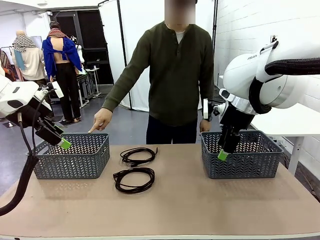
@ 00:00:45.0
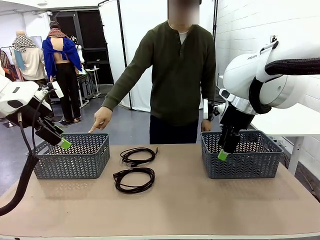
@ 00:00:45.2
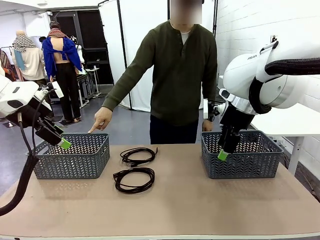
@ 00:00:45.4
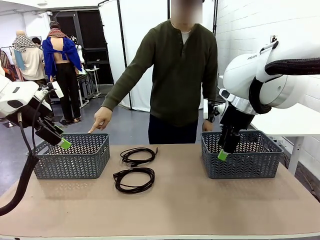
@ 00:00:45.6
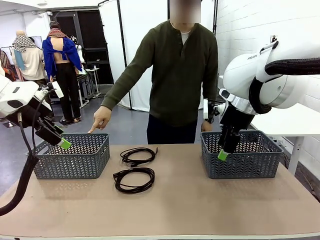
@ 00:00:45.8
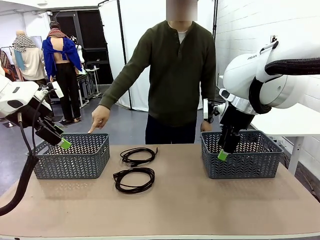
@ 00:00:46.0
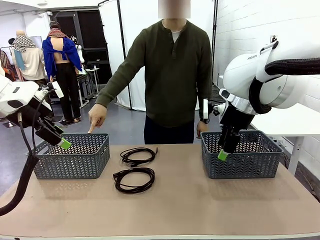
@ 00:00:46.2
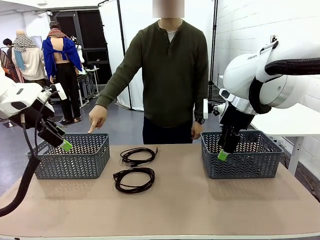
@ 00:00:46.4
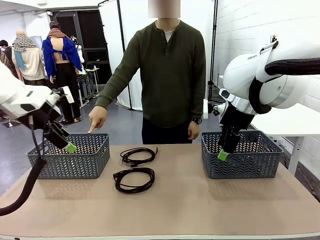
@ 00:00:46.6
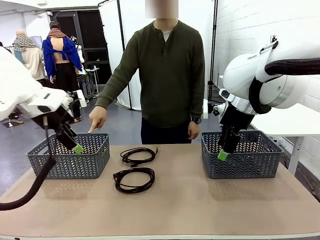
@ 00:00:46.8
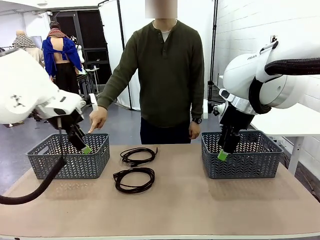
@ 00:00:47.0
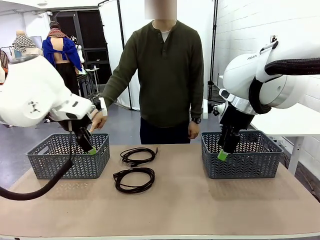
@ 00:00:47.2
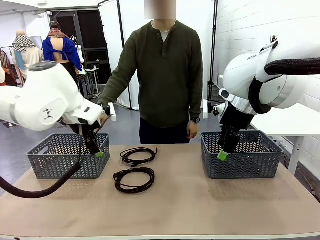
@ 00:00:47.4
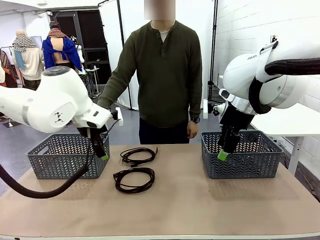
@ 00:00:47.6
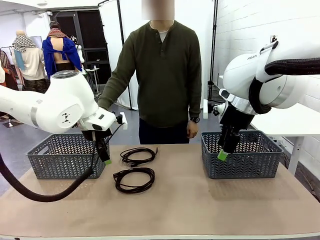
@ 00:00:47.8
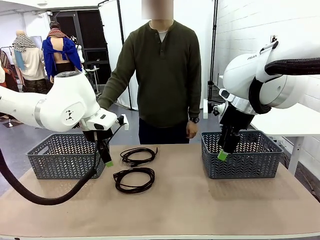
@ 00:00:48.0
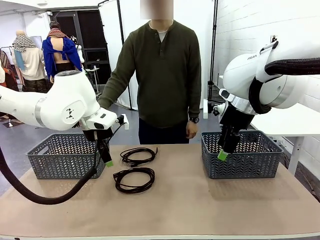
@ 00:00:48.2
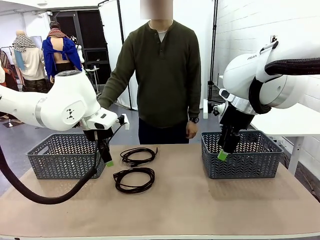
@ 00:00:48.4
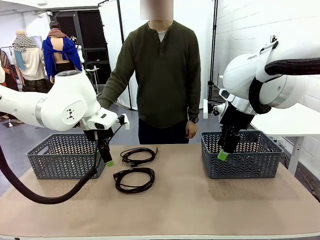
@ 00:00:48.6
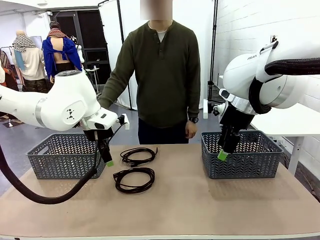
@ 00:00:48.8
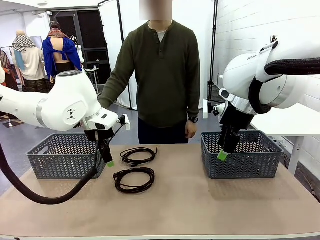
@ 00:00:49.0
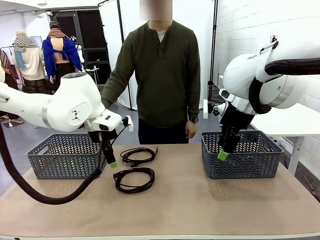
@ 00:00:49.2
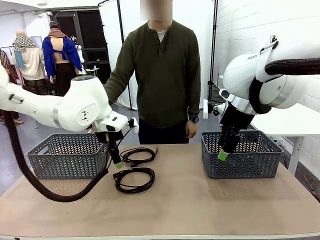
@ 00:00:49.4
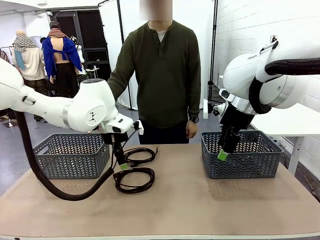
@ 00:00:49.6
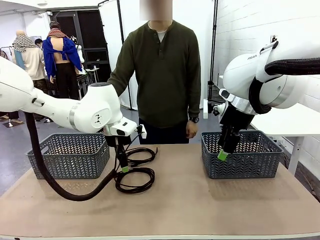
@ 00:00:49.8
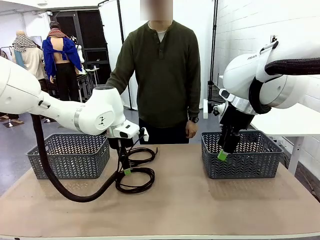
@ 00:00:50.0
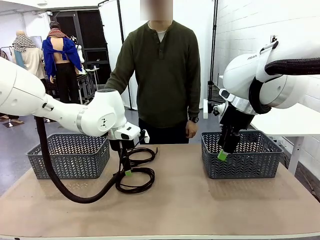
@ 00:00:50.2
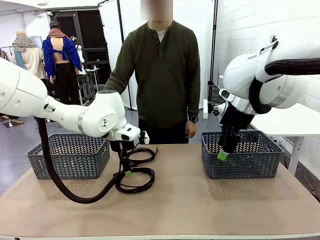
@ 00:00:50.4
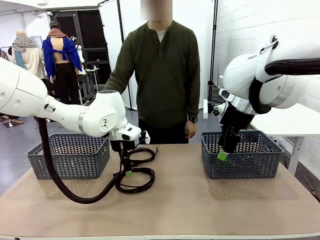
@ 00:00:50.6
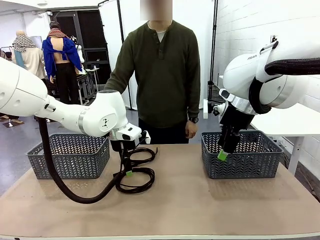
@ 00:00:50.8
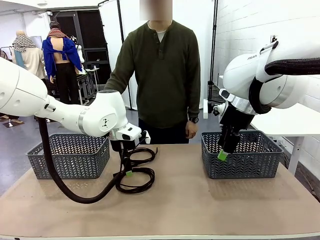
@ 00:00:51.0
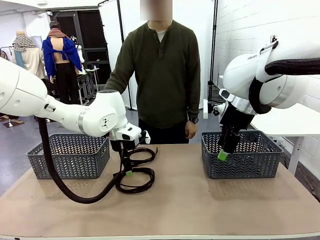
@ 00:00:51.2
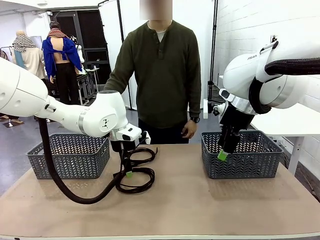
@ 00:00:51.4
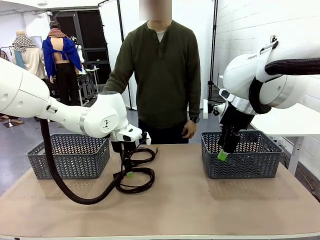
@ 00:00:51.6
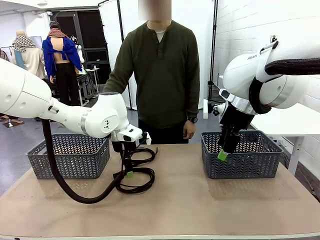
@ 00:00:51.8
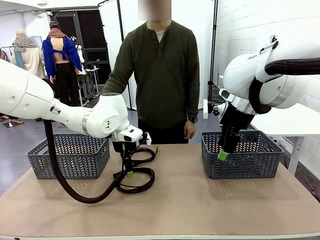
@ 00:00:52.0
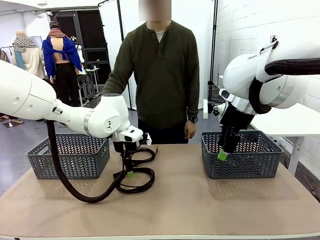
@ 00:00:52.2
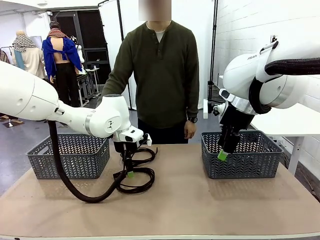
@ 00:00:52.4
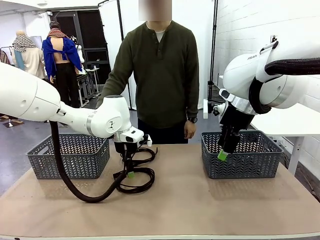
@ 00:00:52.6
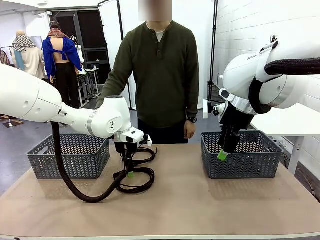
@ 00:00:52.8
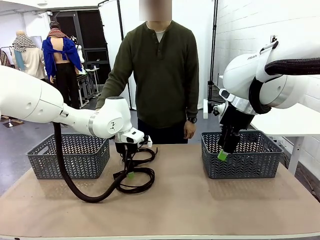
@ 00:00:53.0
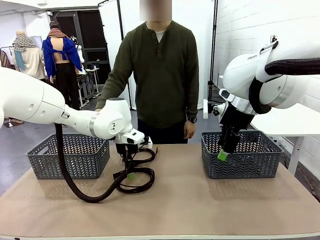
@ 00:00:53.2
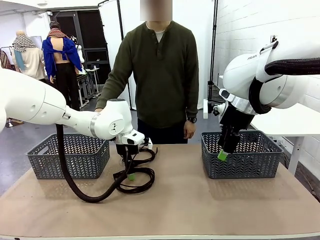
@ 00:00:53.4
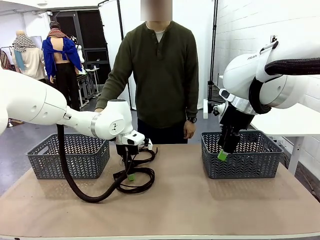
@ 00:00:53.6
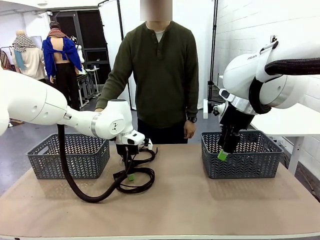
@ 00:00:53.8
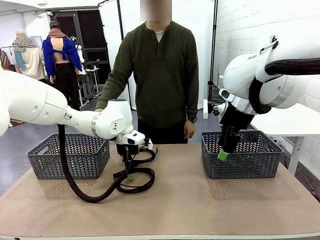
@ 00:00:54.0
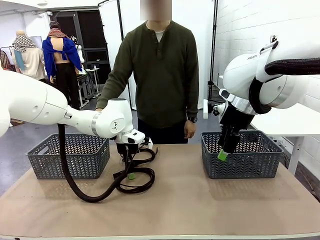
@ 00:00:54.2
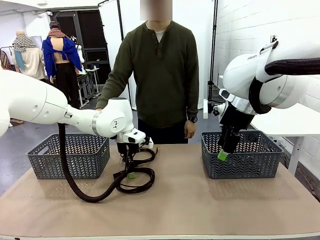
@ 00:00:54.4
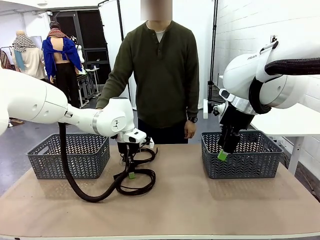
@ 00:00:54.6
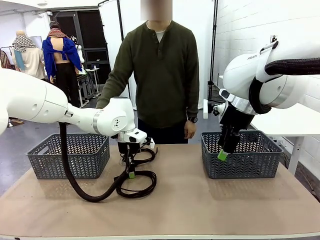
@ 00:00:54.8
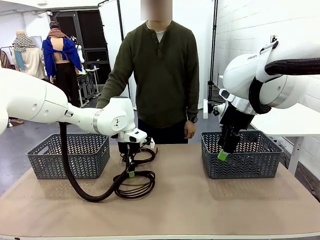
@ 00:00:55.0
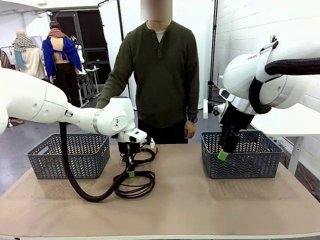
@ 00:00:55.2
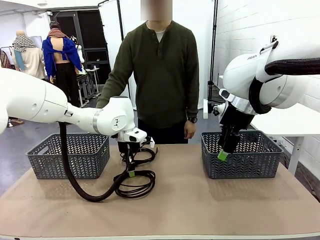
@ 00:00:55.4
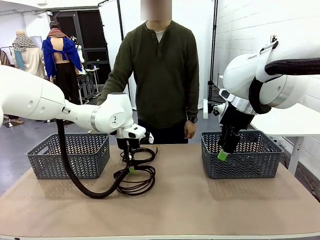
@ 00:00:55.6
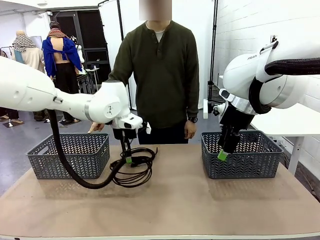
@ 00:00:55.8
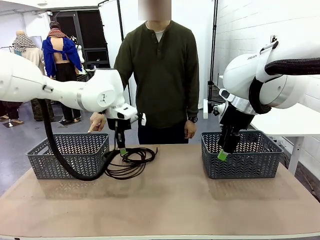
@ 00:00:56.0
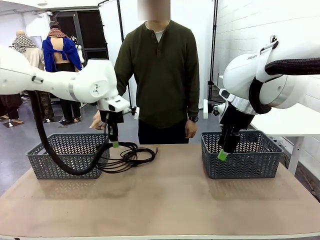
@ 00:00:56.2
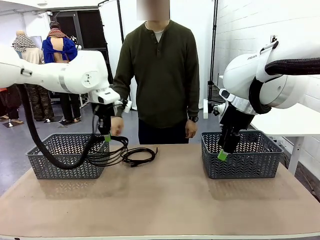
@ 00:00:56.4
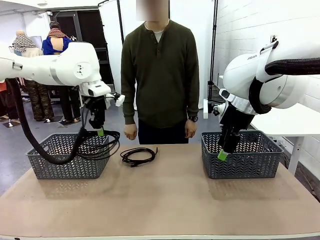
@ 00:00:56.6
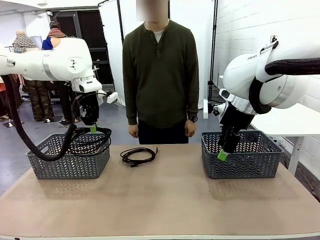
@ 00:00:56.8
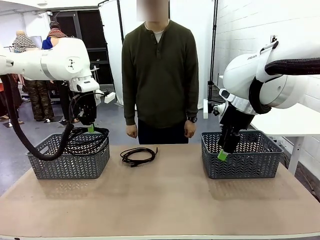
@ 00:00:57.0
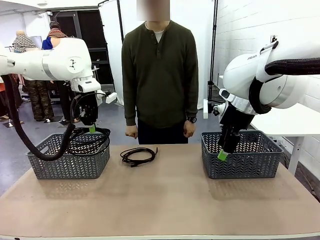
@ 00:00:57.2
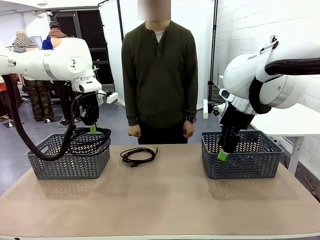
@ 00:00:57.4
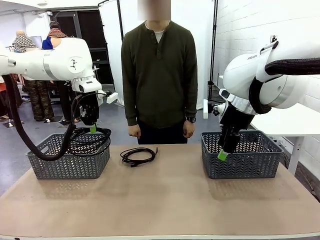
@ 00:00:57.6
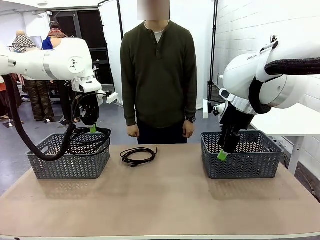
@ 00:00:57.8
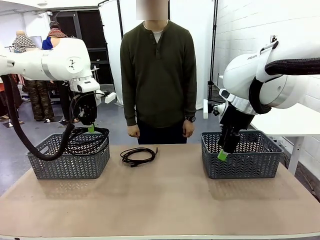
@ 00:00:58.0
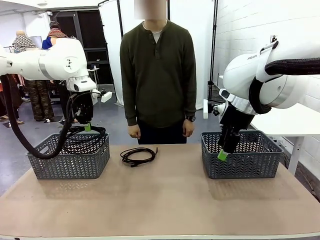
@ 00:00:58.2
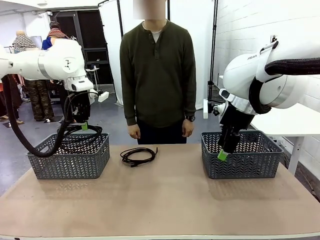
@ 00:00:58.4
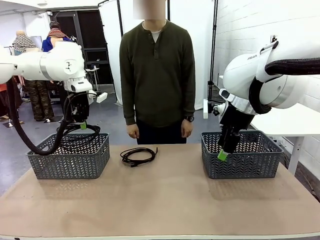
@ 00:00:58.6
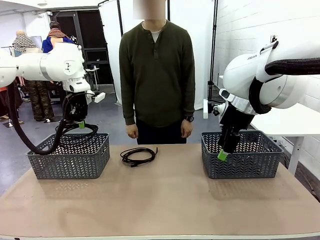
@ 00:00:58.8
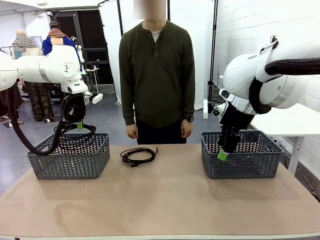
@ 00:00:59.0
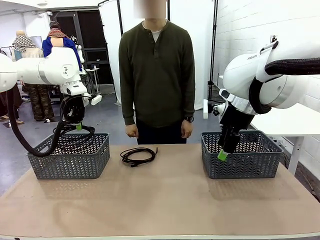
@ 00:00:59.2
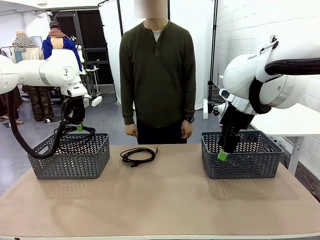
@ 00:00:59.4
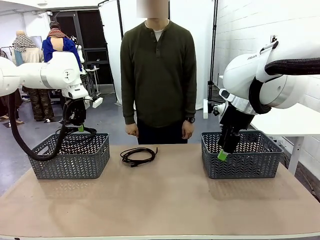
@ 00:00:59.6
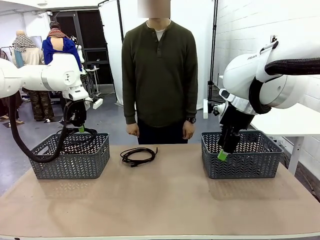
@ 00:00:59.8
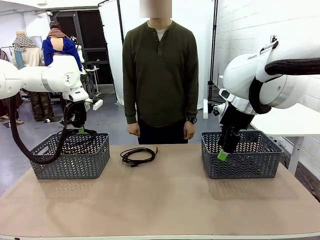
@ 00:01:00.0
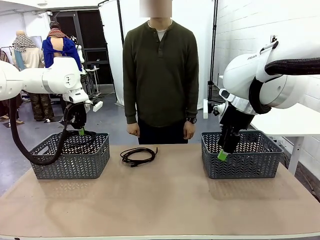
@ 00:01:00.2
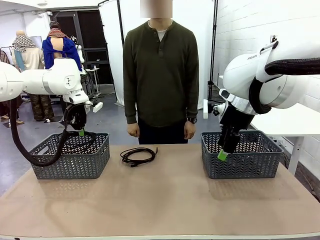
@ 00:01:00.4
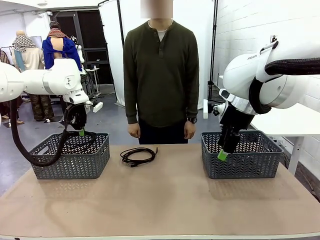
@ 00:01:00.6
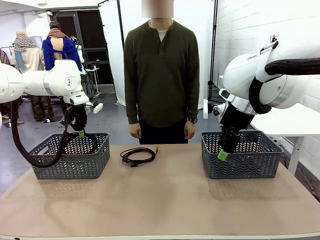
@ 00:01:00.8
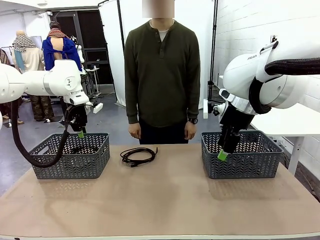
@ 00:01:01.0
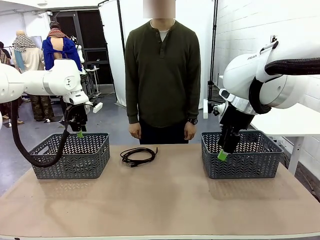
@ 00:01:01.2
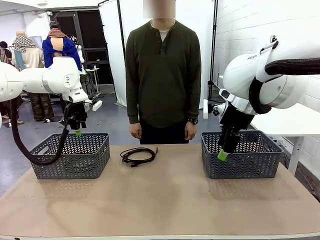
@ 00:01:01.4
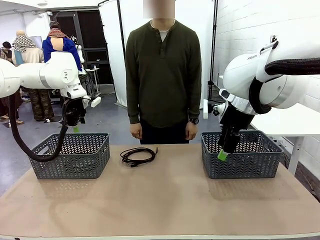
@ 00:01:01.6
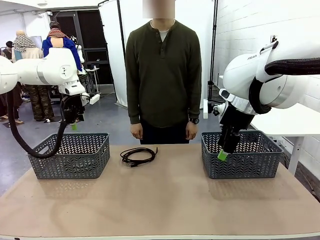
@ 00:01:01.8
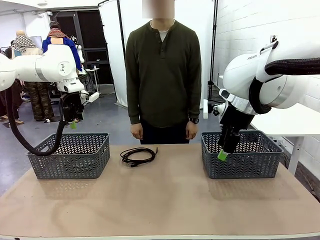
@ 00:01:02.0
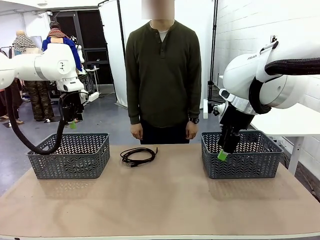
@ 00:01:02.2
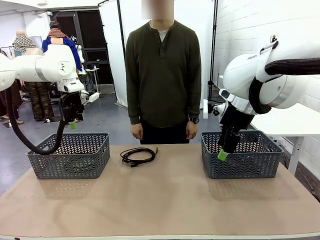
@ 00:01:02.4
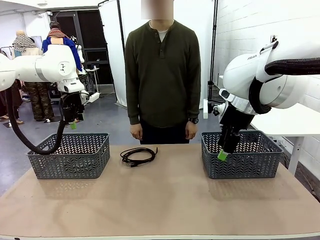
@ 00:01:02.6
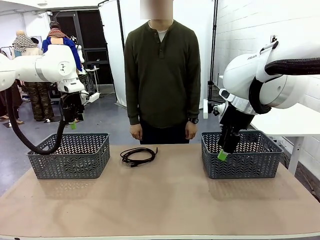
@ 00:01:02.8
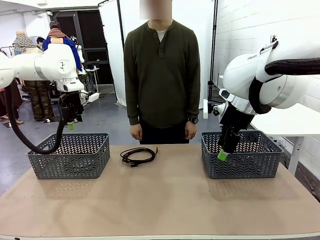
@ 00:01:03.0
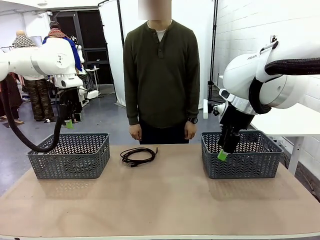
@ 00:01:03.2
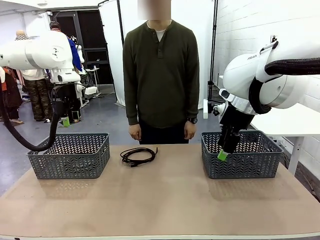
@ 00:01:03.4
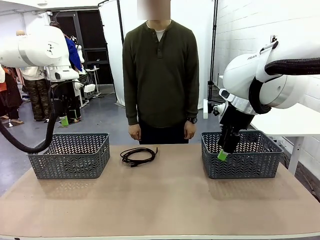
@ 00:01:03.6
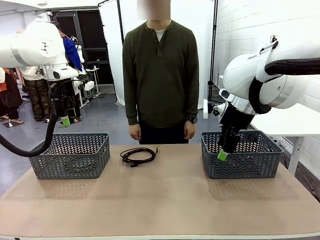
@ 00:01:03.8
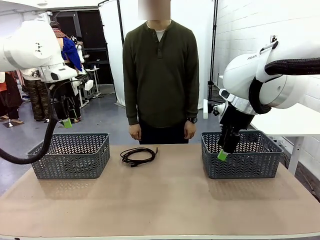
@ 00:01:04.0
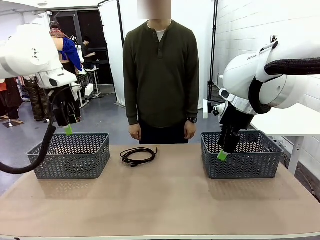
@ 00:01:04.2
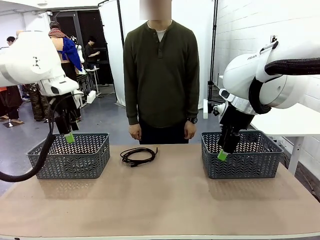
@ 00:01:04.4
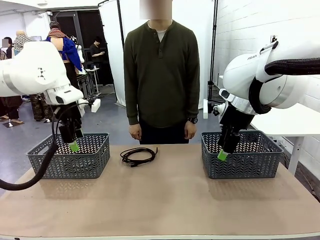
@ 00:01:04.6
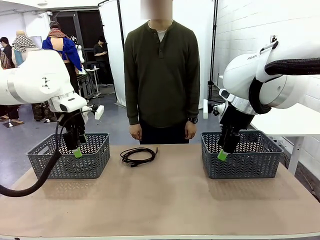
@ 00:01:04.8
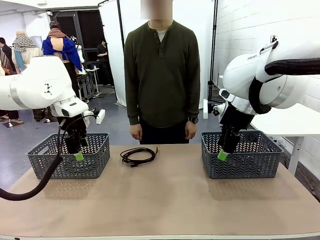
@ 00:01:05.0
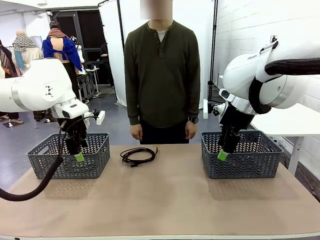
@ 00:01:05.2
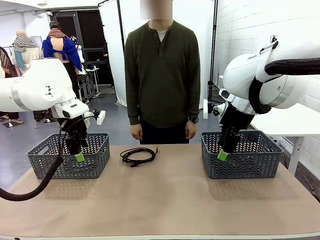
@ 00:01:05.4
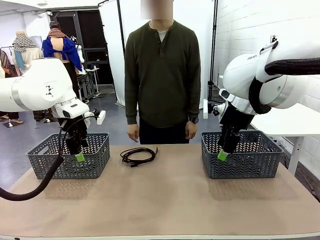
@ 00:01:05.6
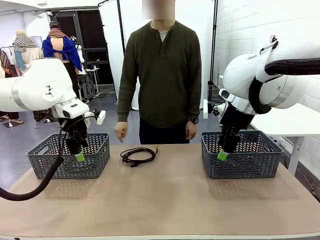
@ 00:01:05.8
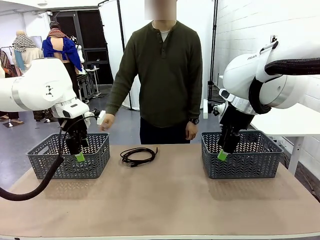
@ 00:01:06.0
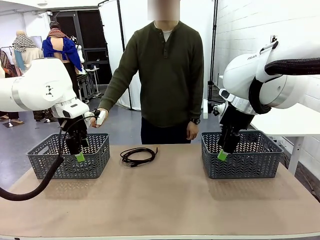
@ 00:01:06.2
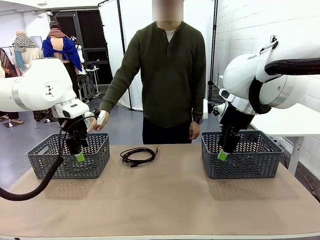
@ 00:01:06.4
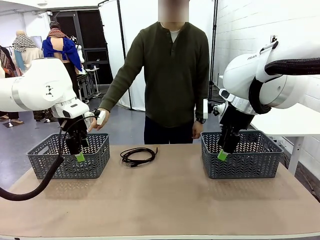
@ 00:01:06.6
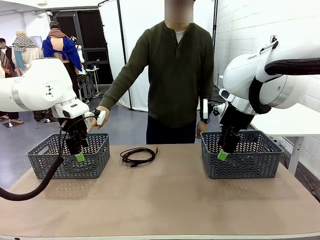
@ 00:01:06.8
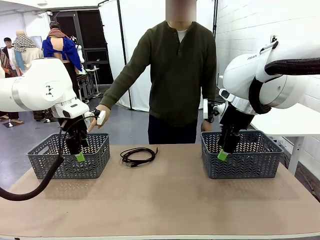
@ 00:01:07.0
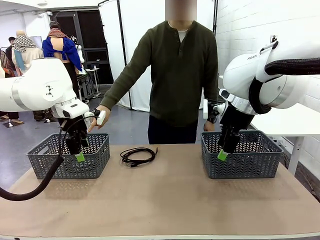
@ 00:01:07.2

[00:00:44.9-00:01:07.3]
Task: Organize the cables according to human instructions.
Robot: Pick up a bundle of cables and place it in the basket indicated by the human.
